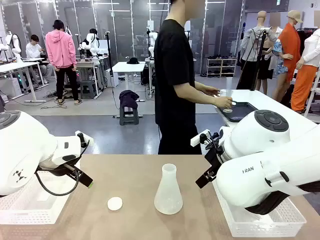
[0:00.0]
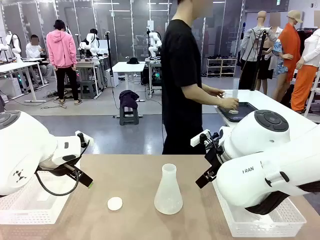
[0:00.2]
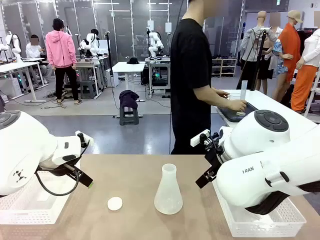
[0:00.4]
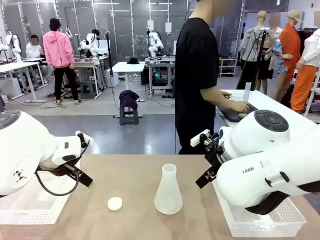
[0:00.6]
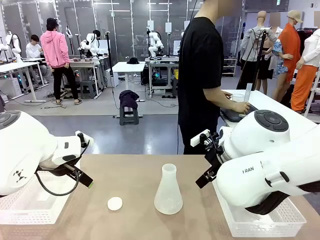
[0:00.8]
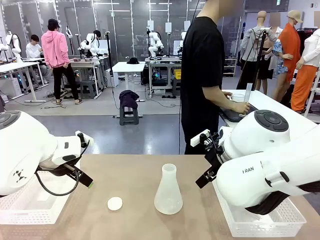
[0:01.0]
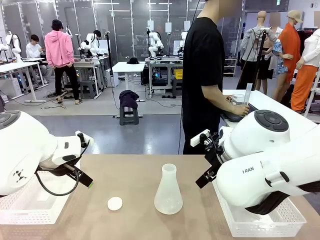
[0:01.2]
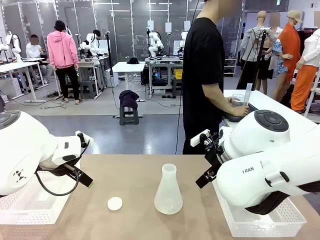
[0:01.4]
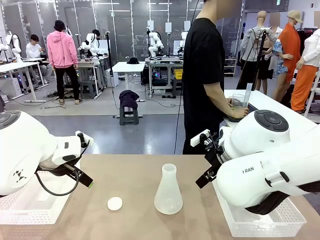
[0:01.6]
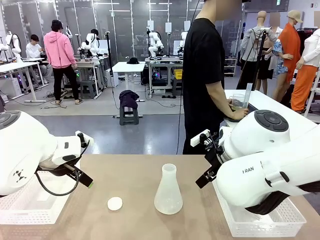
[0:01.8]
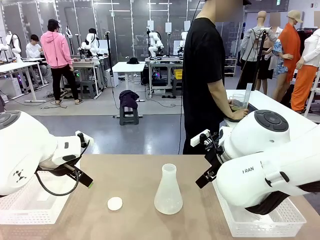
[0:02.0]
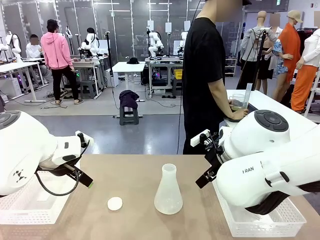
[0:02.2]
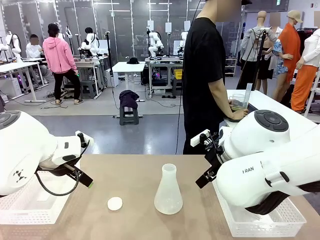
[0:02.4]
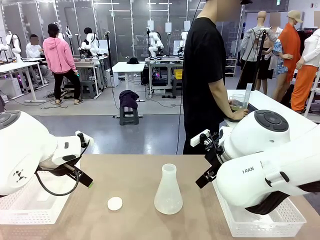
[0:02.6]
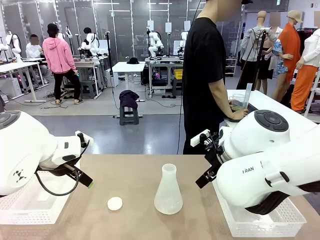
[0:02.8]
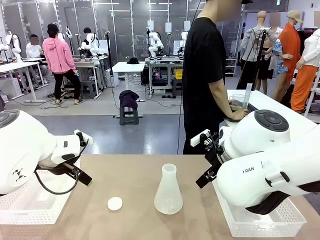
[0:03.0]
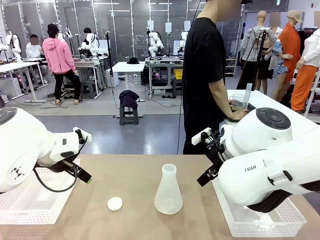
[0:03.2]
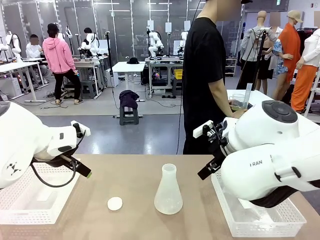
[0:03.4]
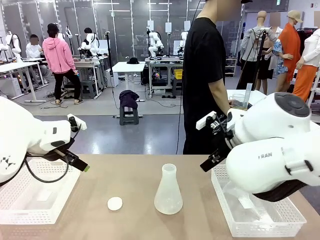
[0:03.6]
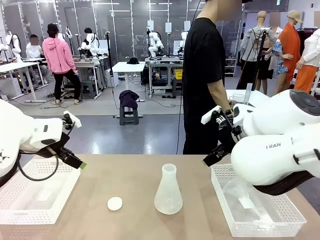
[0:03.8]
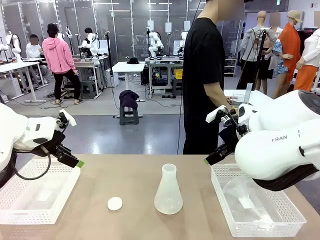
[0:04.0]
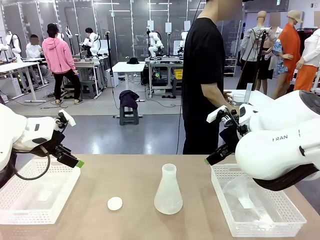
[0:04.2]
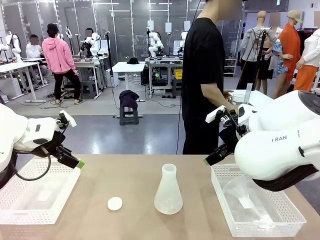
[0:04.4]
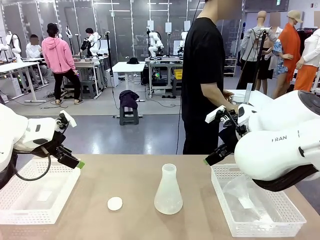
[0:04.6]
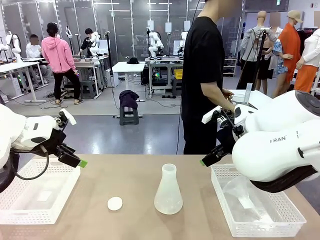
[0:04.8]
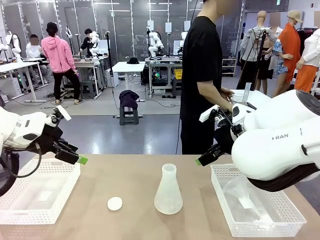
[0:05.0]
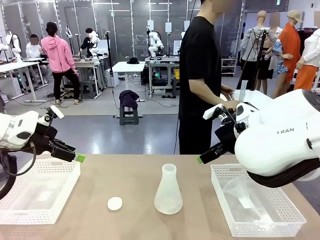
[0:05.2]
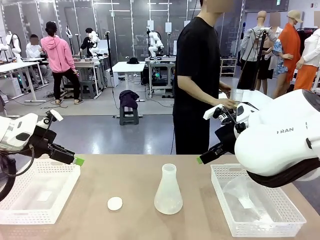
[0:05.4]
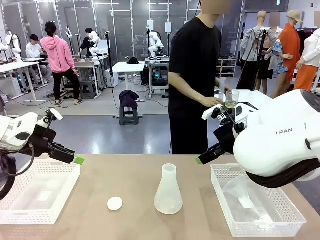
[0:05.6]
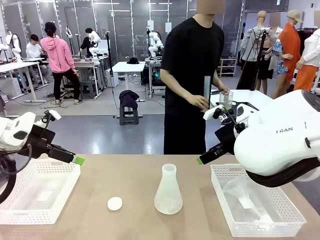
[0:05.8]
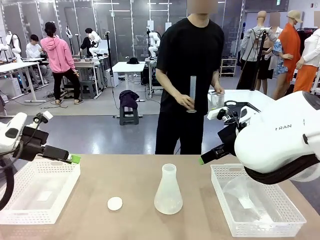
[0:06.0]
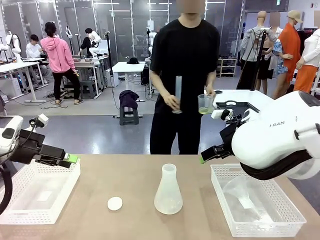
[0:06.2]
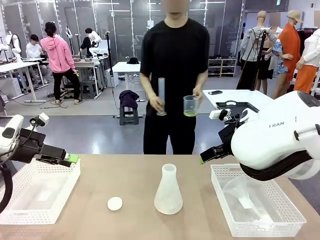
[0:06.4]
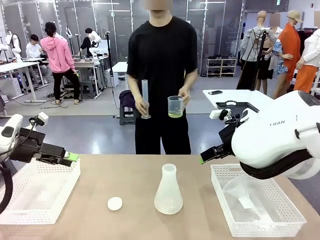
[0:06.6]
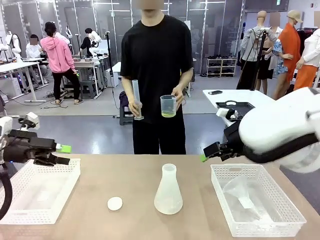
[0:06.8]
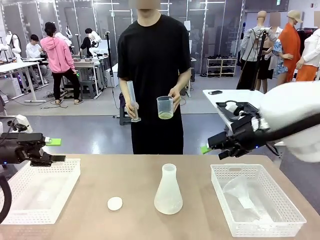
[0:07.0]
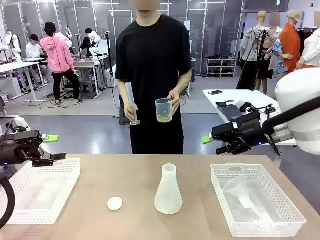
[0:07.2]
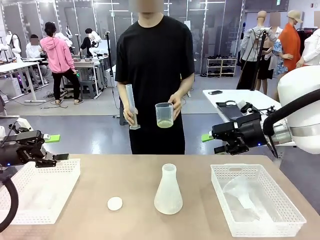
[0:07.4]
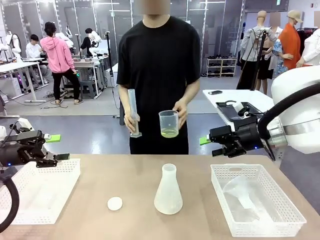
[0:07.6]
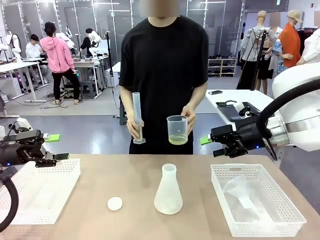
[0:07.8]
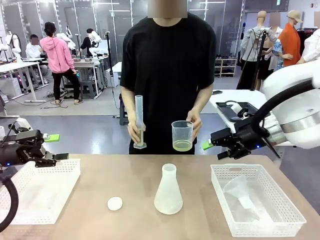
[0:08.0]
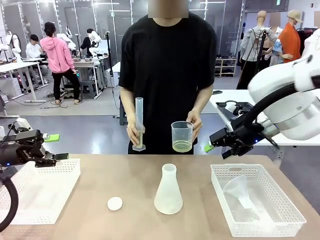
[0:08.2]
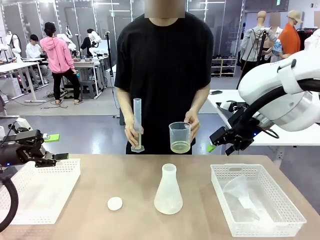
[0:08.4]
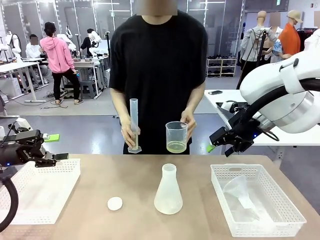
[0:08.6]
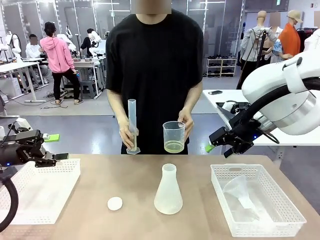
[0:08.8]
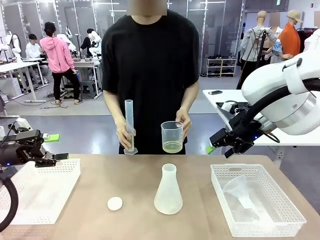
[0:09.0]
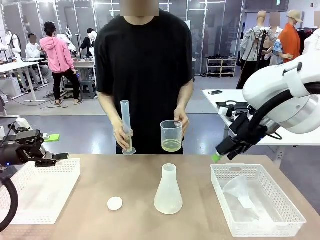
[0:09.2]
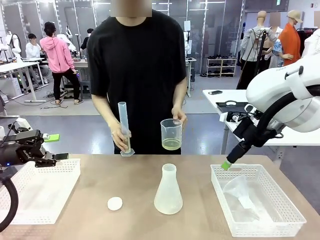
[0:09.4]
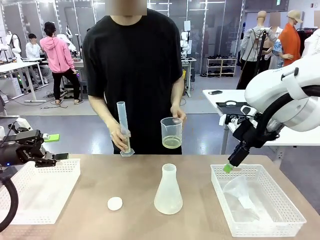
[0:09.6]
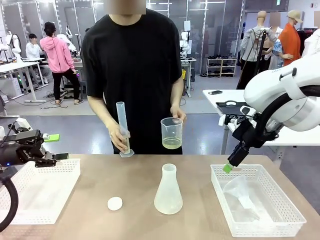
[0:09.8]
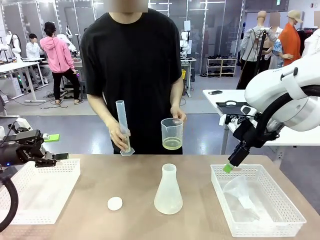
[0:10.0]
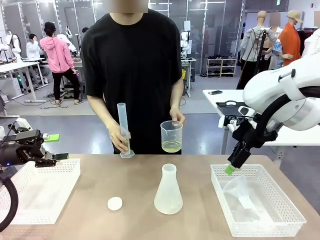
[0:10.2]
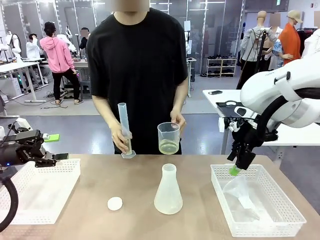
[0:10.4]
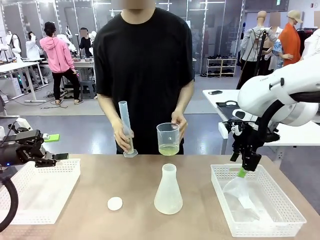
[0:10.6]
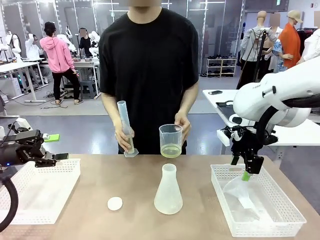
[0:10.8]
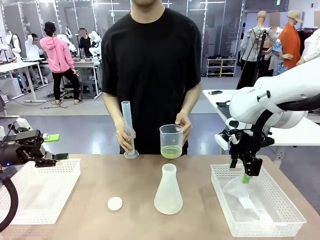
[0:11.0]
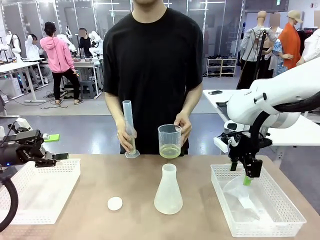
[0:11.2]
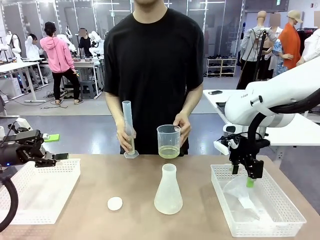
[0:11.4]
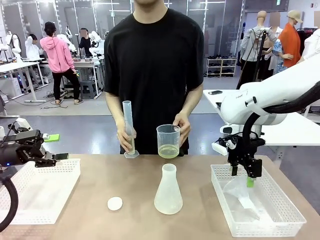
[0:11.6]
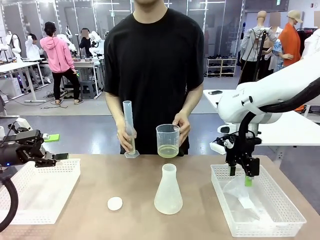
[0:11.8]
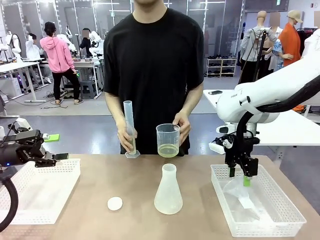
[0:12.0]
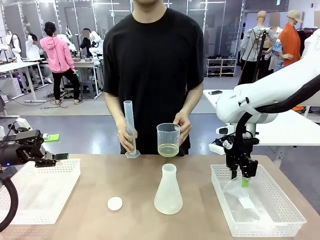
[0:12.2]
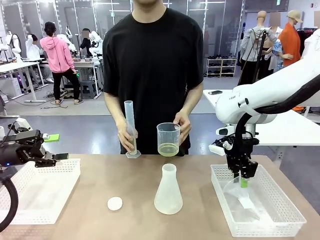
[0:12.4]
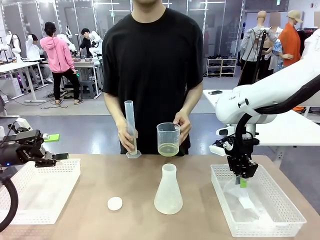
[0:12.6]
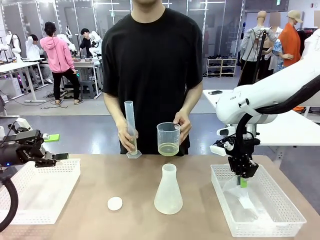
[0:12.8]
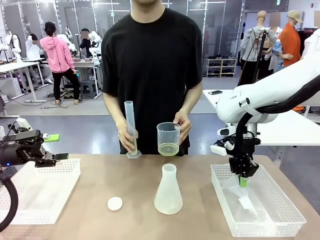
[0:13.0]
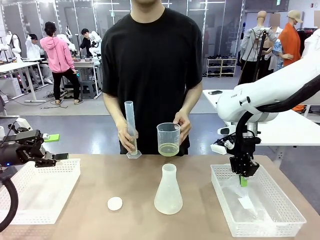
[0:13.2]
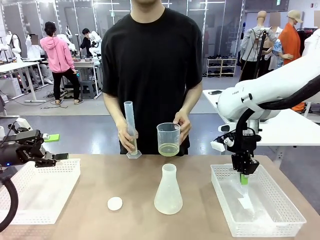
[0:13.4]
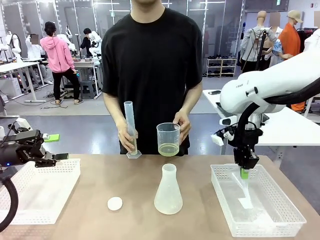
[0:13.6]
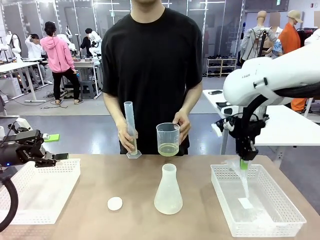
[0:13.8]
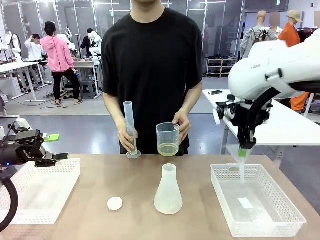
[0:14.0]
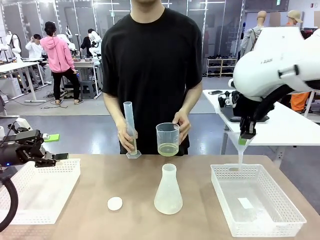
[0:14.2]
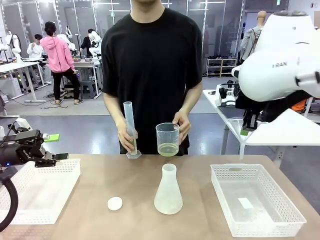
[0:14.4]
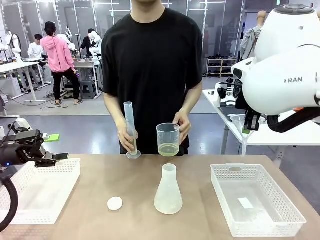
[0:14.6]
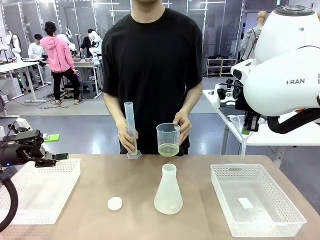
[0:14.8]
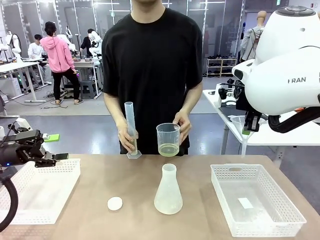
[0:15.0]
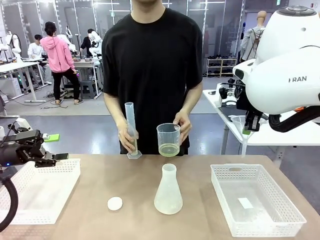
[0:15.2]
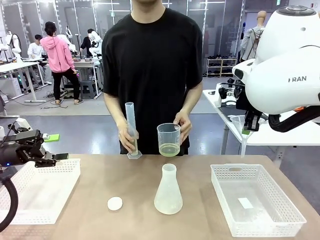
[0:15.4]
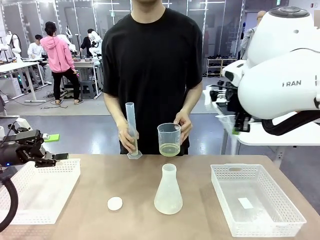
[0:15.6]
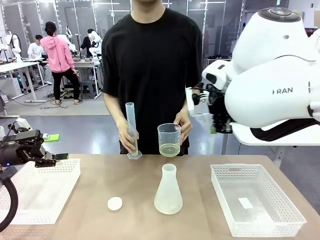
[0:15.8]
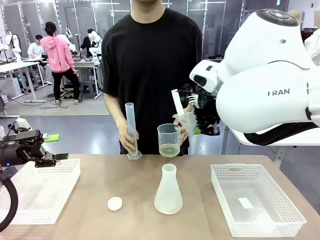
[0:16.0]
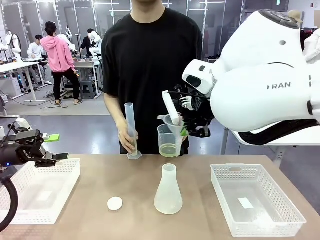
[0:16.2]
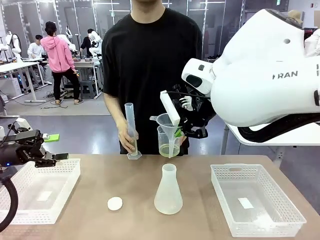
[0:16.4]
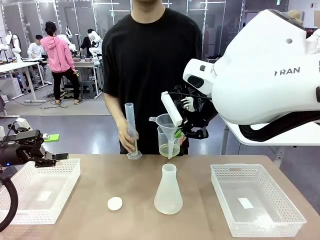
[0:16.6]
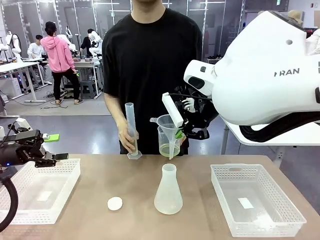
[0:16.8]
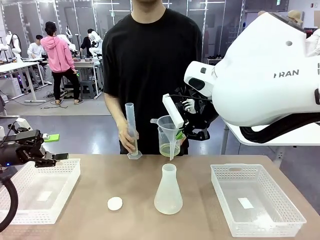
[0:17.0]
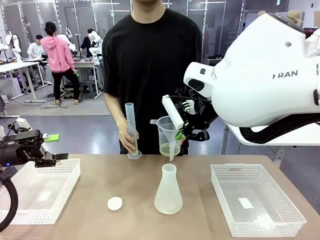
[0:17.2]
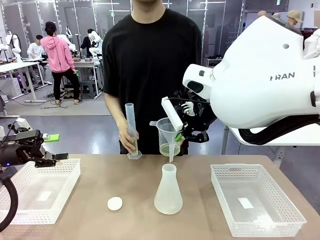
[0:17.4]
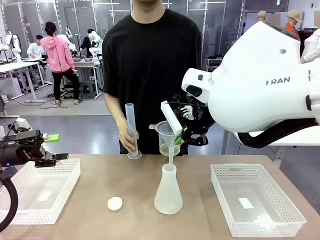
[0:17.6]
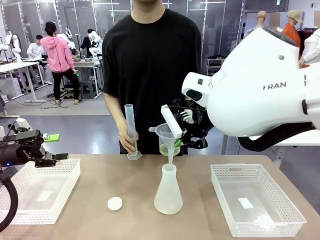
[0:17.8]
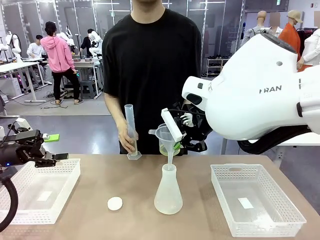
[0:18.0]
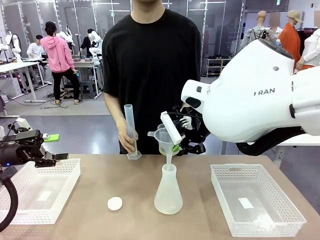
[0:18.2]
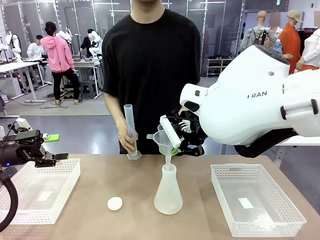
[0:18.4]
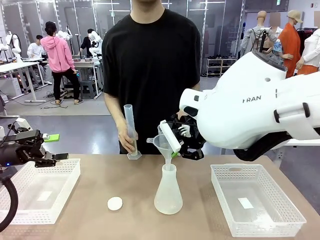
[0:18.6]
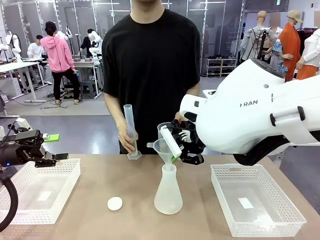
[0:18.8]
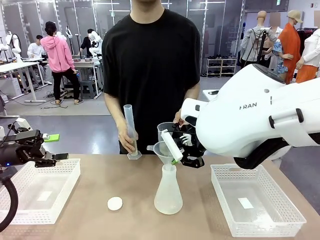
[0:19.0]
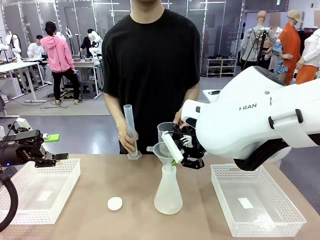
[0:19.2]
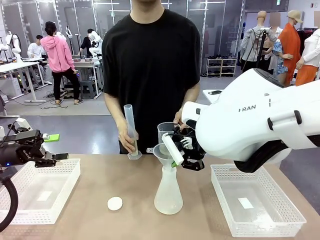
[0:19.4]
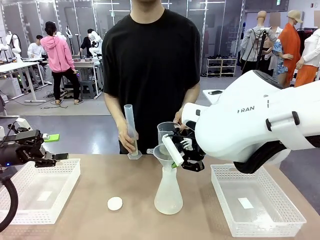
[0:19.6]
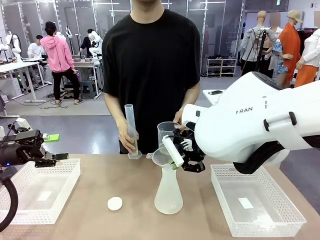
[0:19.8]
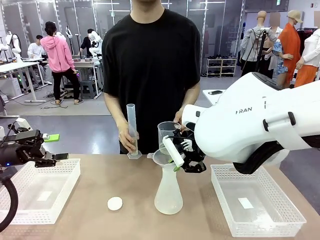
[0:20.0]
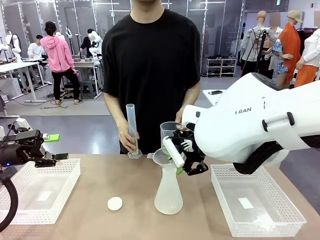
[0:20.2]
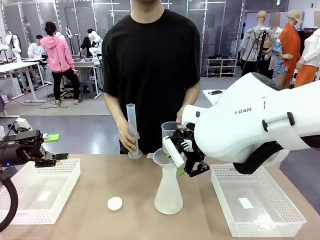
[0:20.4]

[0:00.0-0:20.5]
Task: Prepare the solutions needed for the experiment.
Robot: Pick up the Plastic Funnel and insert it into the Big flask.
Person: Pick up the beaker and the cylinder and move to the middle of the robot table. Pour the solution from the beaker and the cylinder into the flask.
